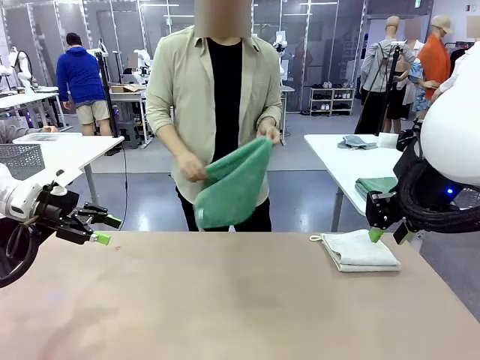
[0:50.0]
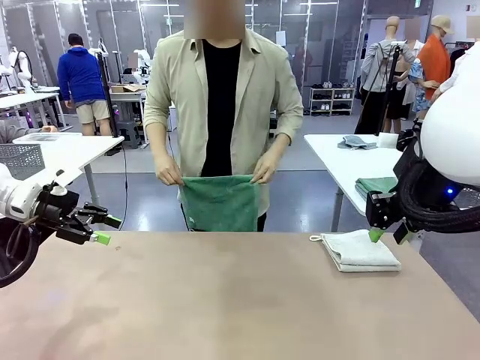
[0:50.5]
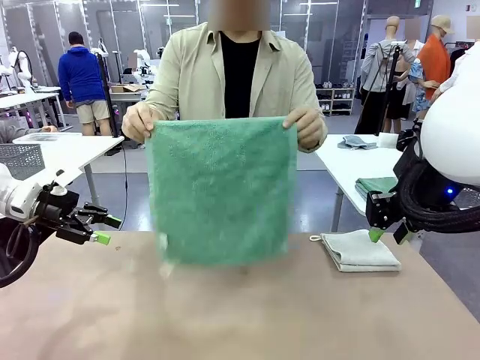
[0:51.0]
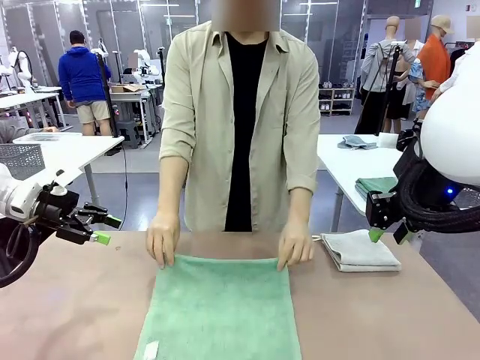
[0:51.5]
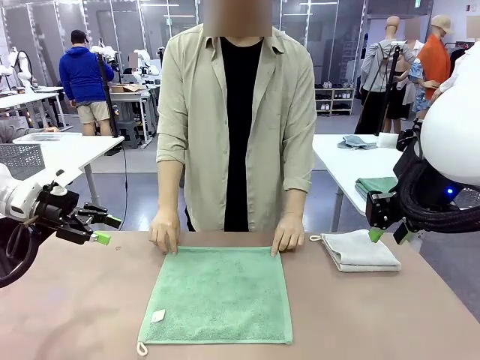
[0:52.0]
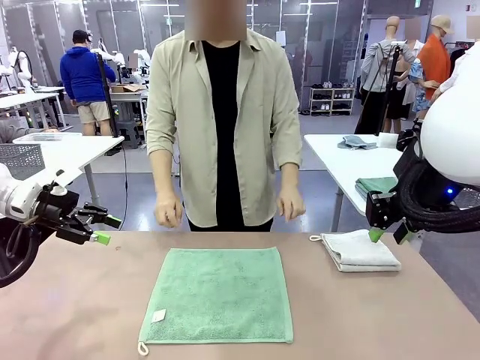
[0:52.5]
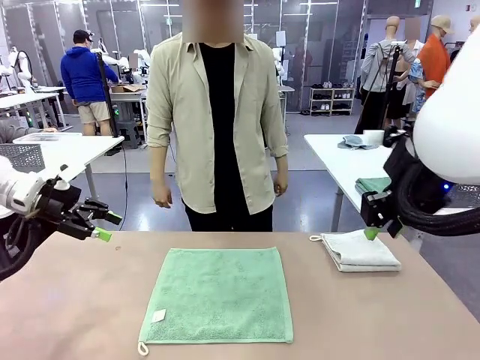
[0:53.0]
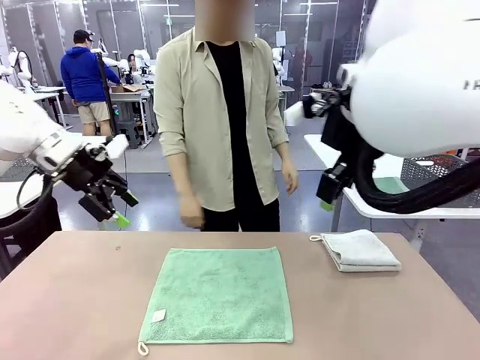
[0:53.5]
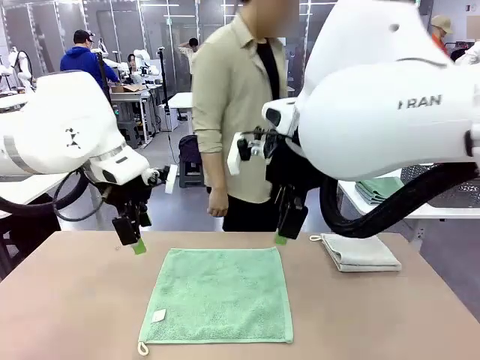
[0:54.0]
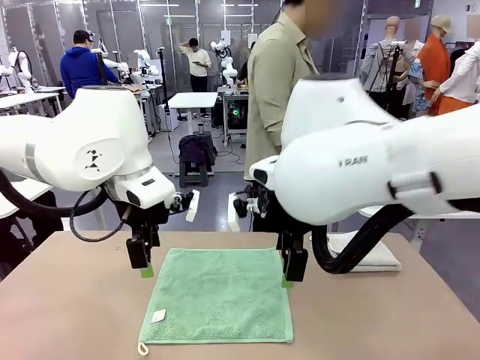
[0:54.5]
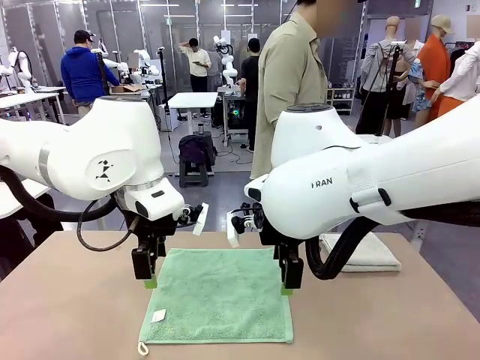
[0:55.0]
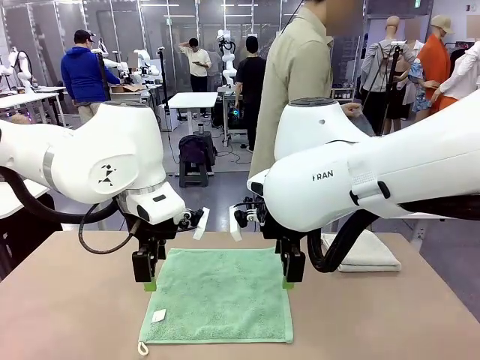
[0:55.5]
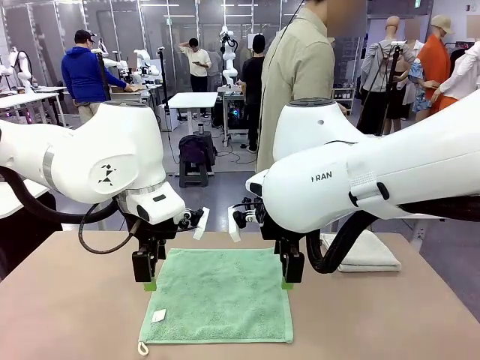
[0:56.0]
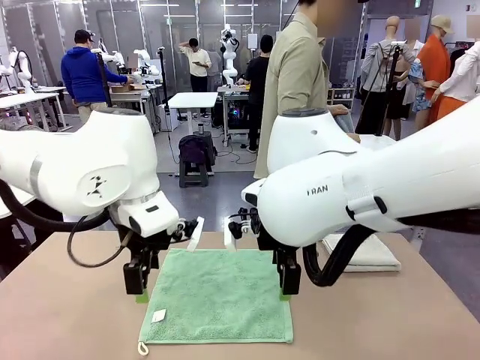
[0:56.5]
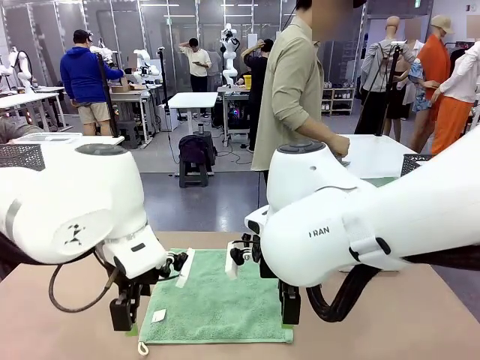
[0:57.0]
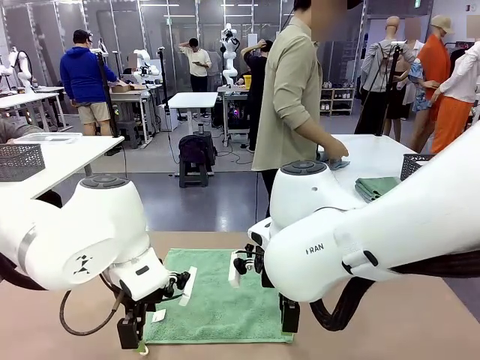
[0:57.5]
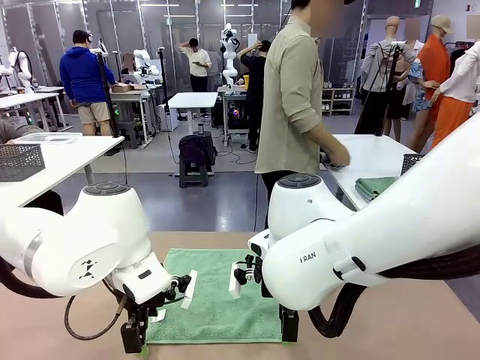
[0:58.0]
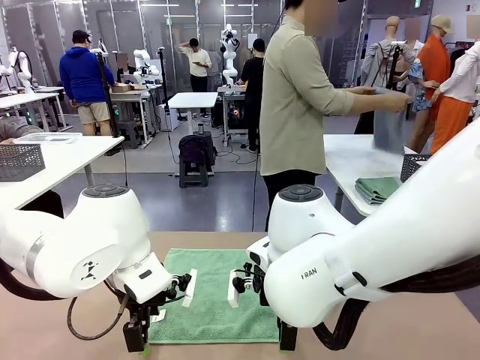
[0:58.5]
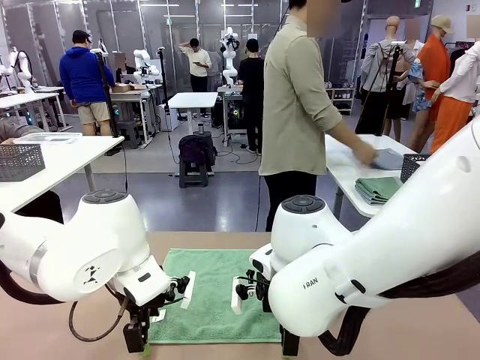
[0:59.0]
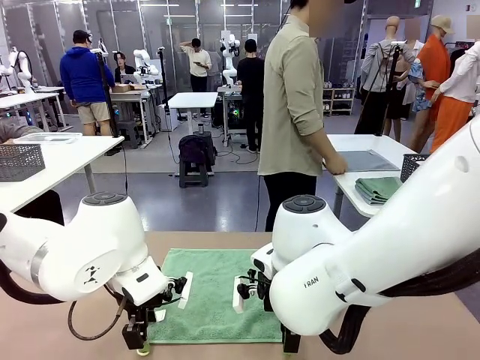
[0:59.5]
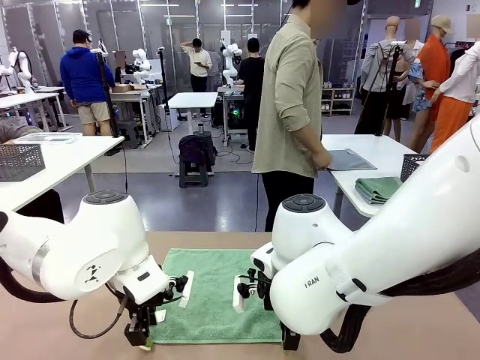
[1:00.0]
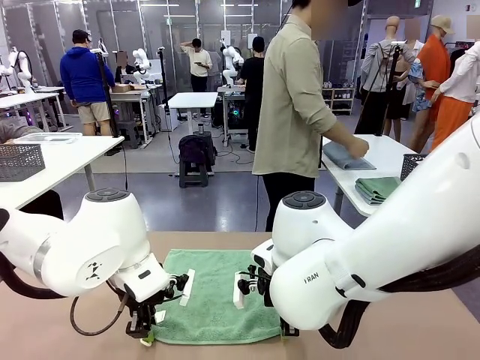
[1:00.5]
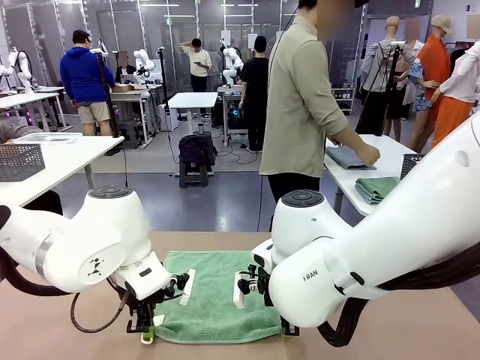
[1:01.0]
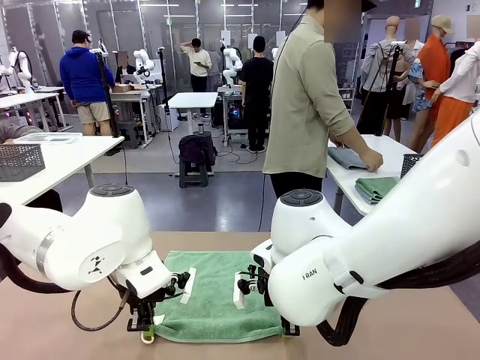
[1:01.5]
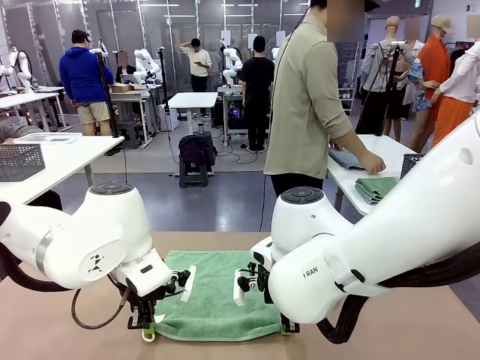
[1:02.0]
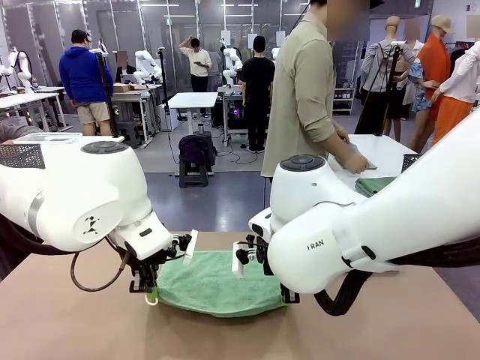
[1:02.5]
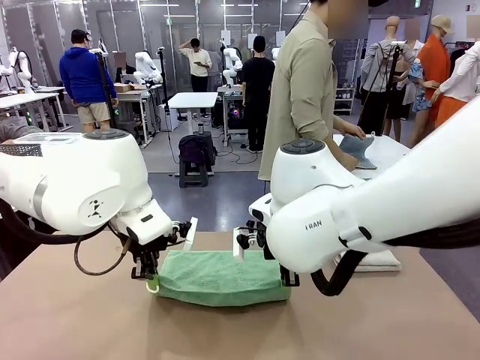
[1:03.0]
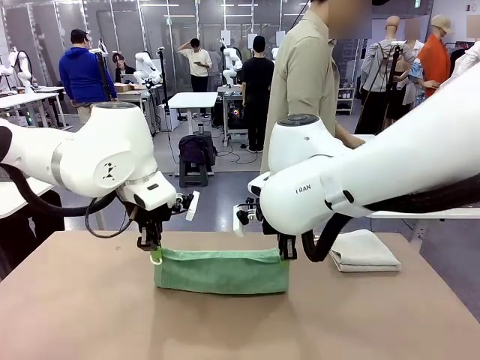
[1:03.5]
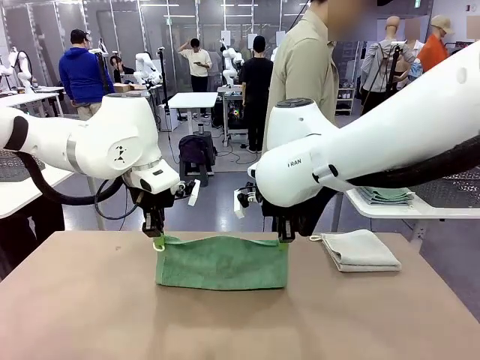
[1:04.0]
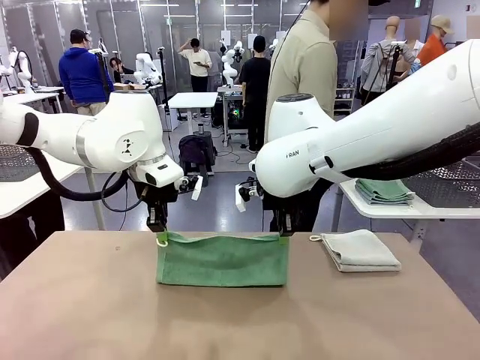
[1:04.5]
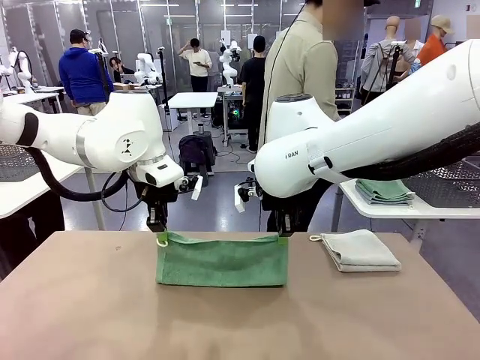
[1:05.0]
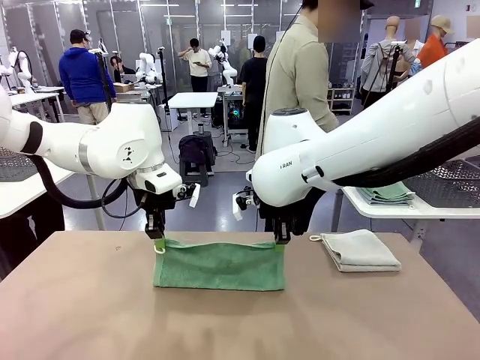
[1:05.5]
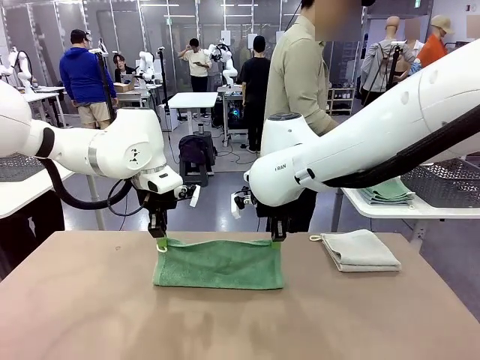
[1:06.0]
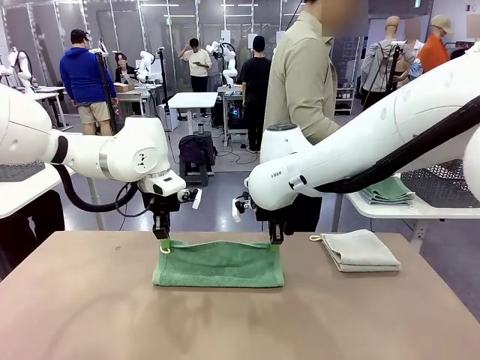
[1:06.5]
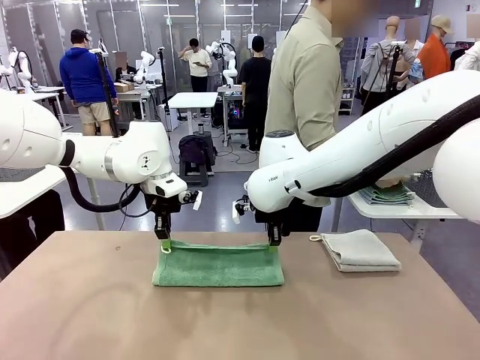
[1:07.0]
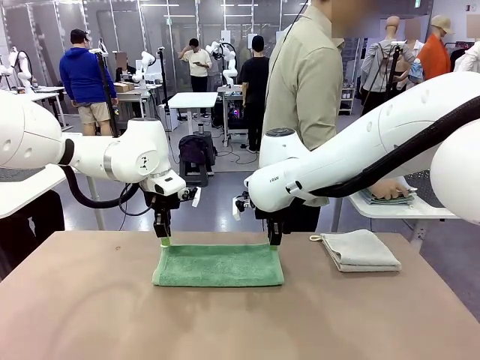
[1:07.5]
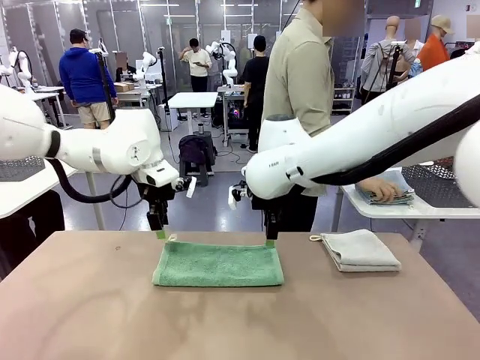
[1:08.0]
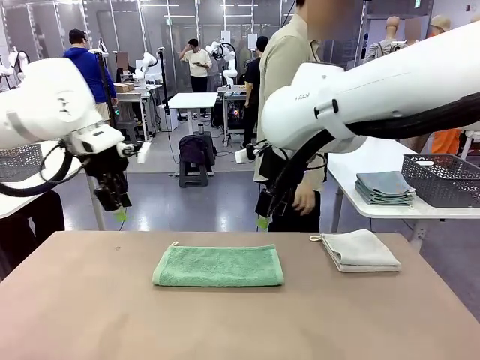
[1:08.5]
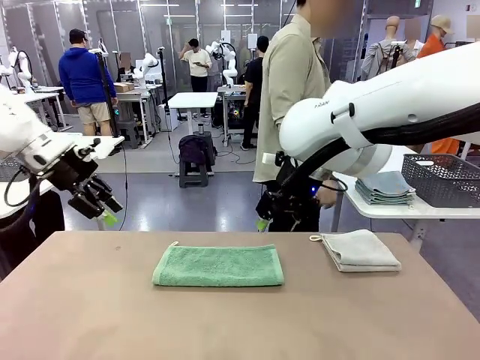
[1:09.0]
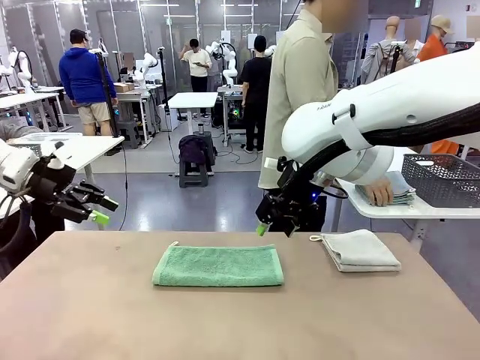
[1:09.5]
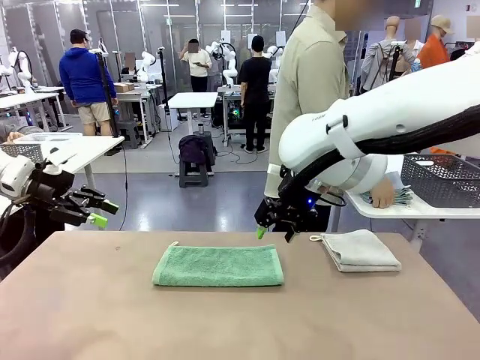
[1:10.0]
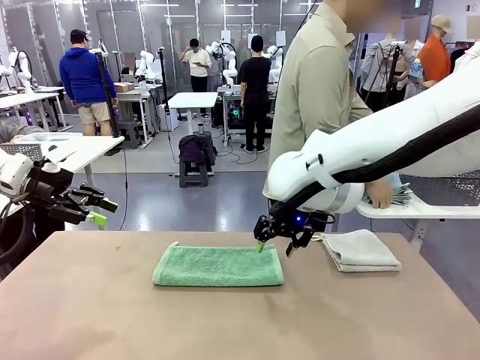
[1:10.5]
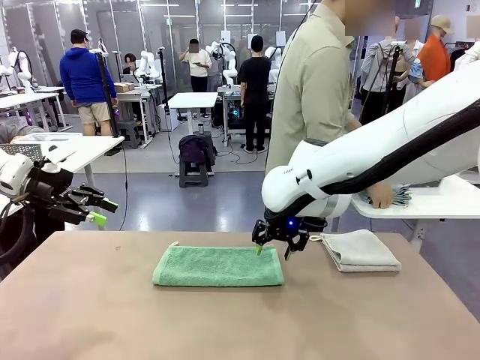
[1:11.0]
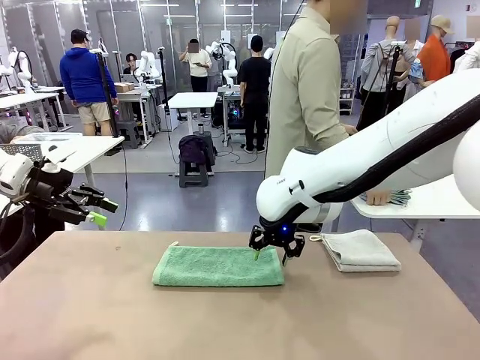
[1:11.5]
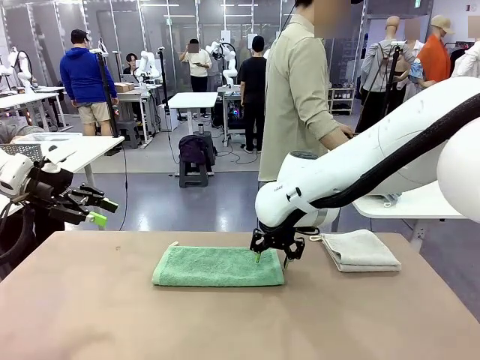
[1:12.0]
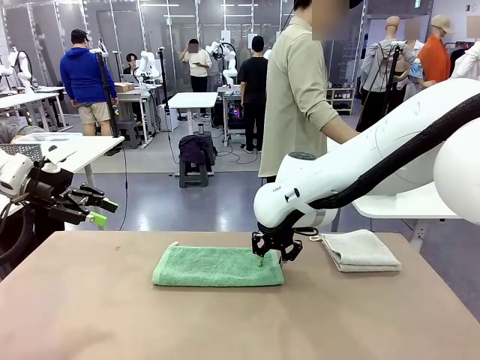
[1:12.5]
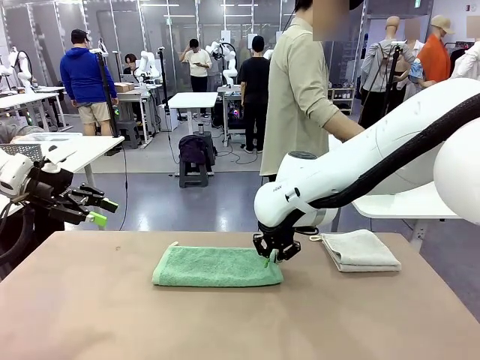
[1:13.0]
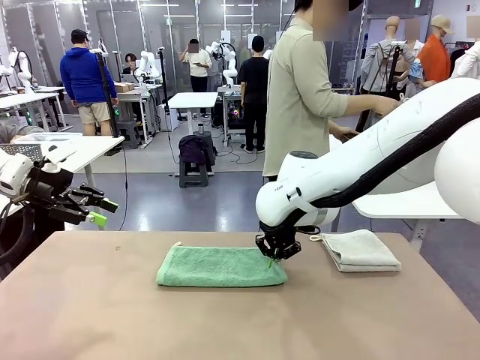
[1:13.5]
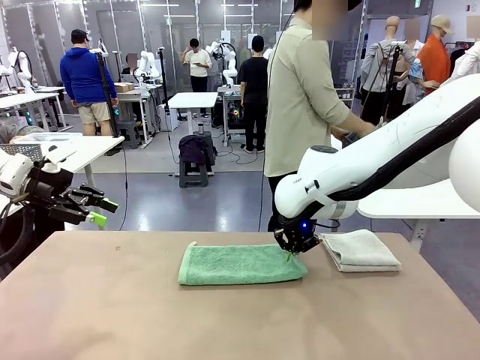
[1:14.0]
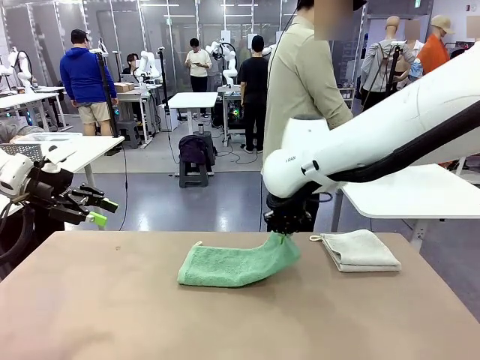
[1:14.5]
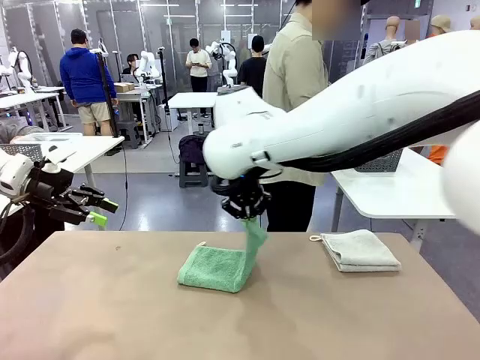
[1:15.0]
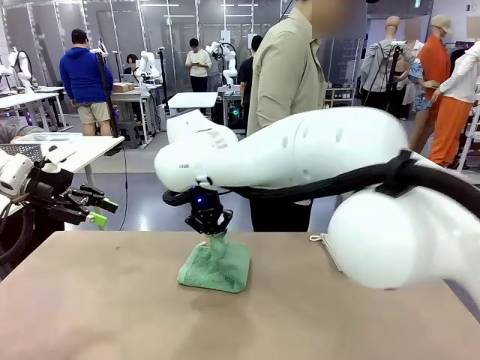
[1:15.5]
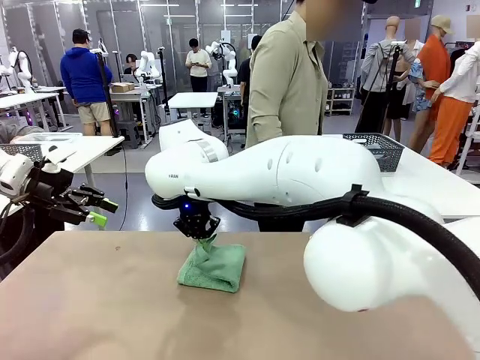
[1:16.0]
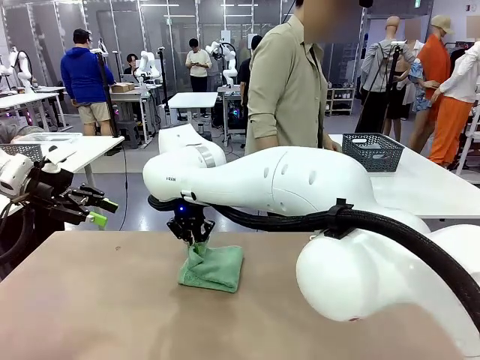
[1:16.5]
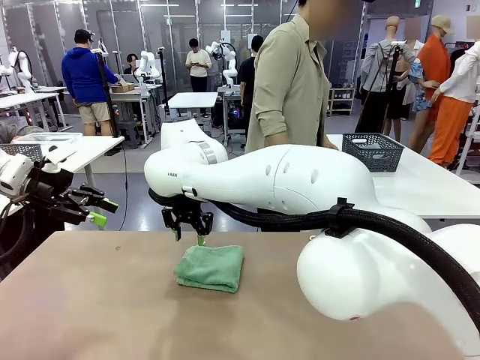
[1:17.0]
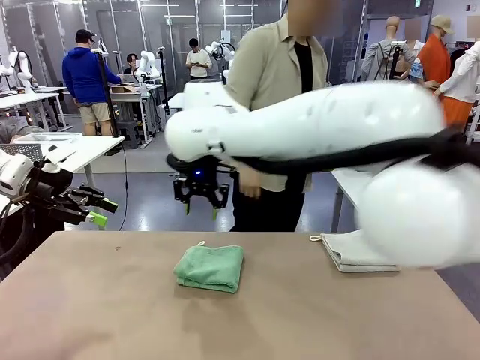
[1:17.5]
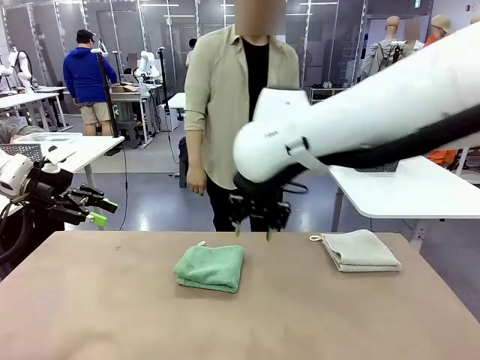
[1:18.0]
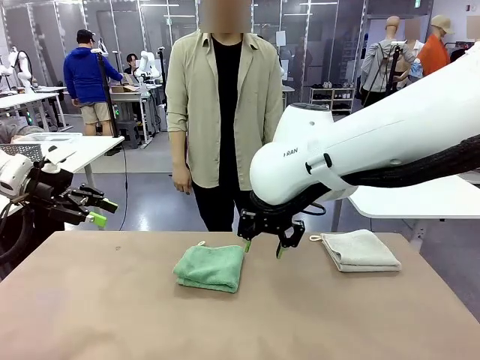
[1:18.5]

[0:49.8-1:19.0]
Task: Fold the towels and place them in the basket.
Robot: When a person lays out a Towel with hook on the table, fold it in half twice.
Person: Pick up one towel from the left side of the human table and spread it out at the center of the robot table. Pick up one towel from the left side of the human table, fold it in half twice, and stack it on the right side of the table. Pick up the stack of towels from the right side of the human table, place it into the basket, and put the basket at the center of the table.
